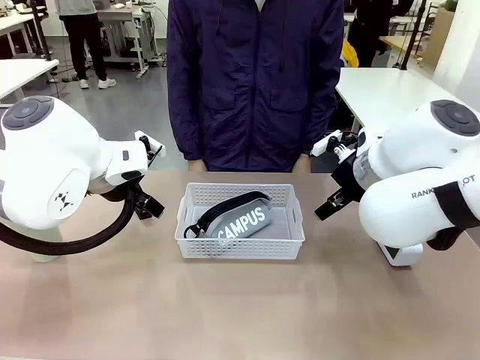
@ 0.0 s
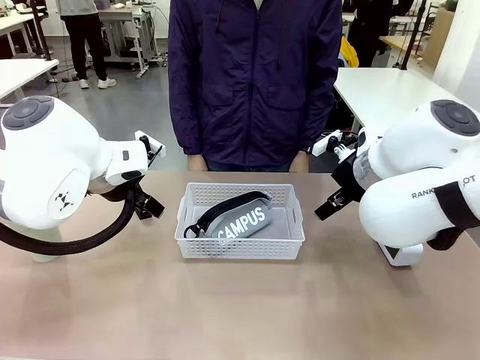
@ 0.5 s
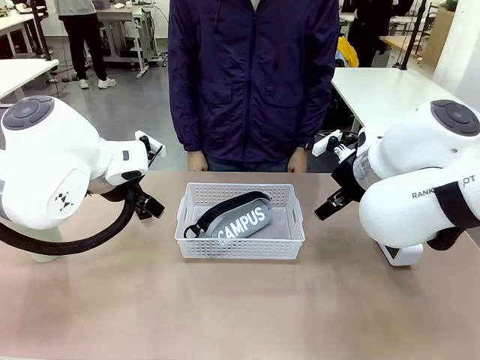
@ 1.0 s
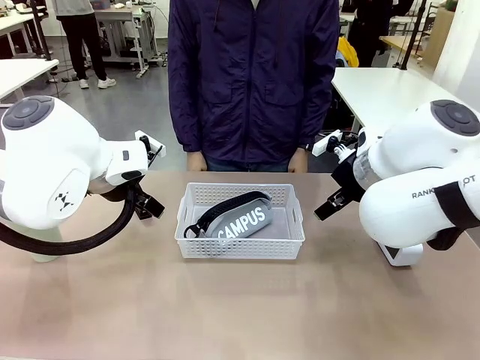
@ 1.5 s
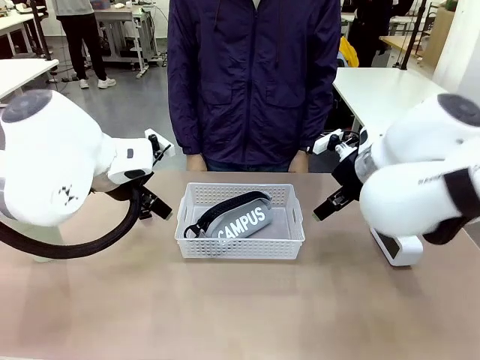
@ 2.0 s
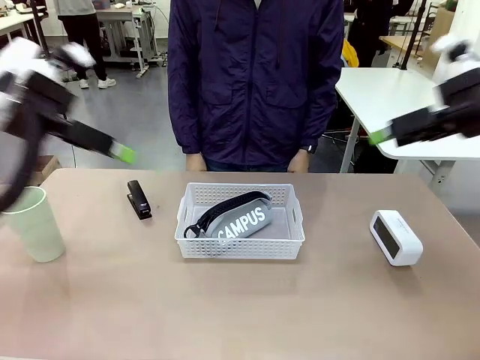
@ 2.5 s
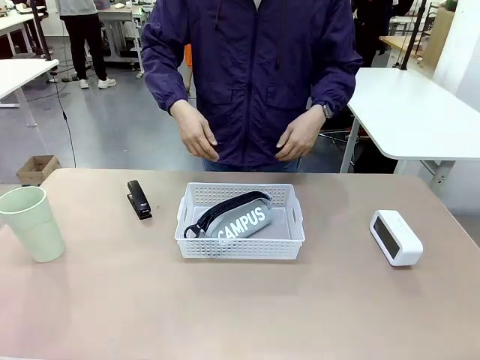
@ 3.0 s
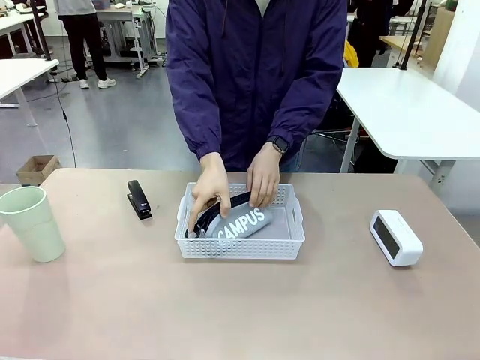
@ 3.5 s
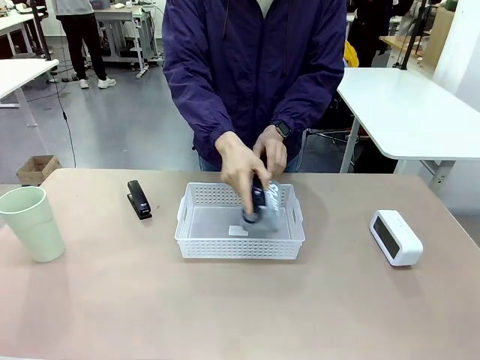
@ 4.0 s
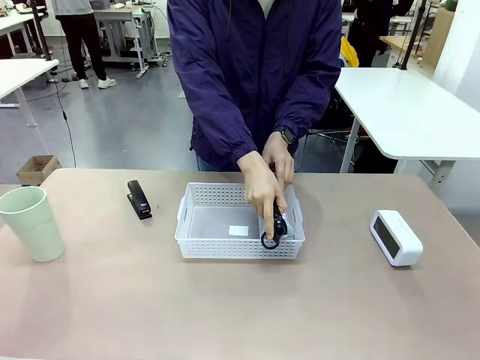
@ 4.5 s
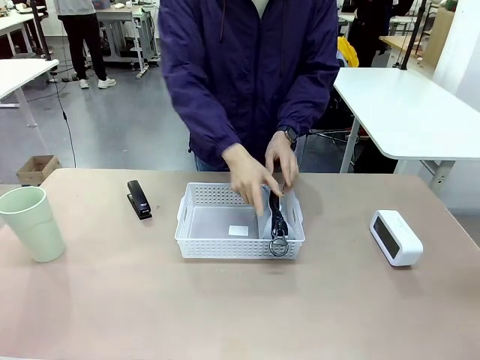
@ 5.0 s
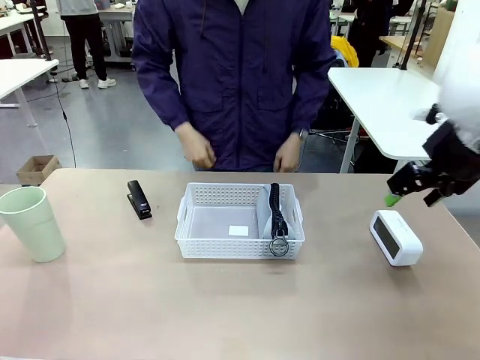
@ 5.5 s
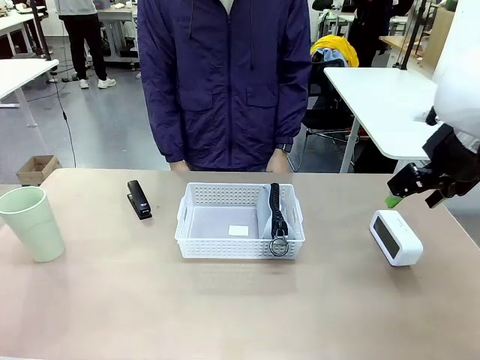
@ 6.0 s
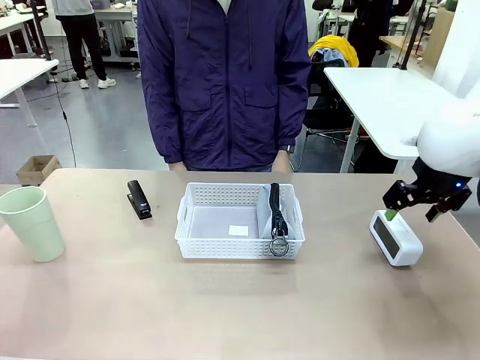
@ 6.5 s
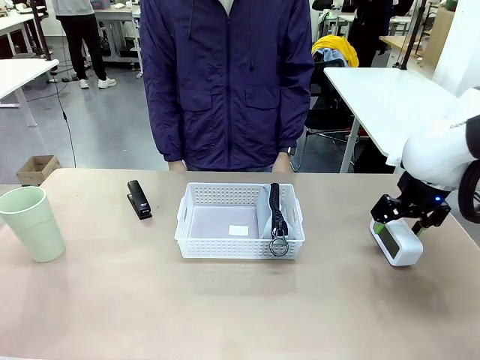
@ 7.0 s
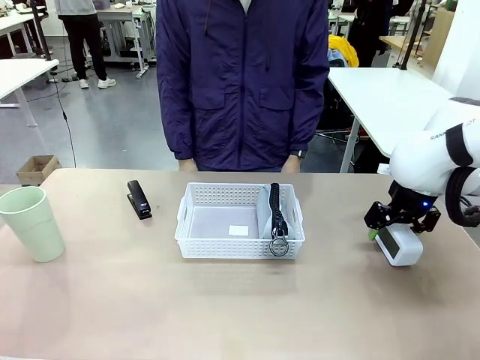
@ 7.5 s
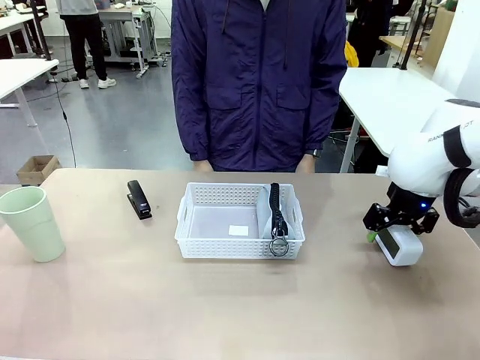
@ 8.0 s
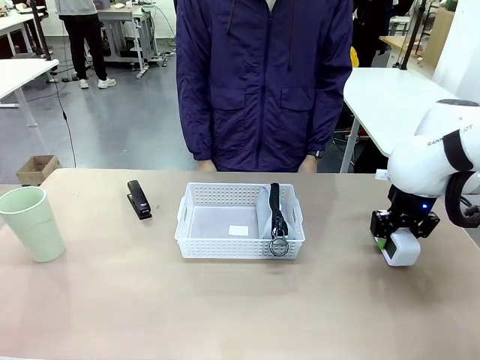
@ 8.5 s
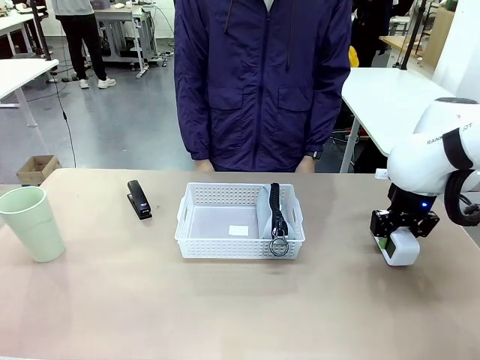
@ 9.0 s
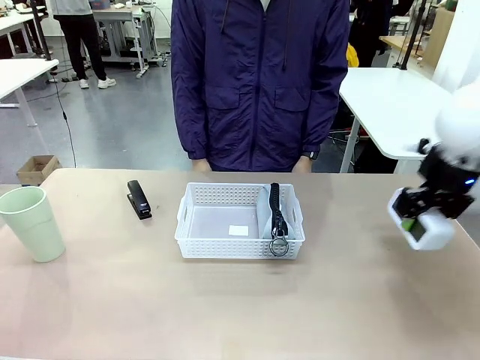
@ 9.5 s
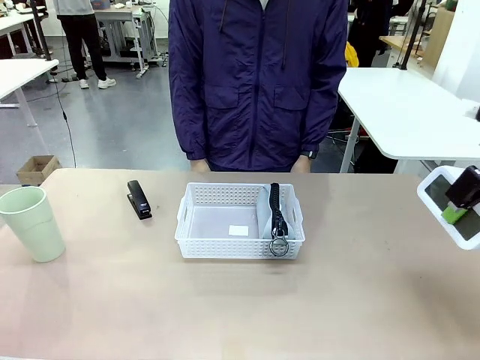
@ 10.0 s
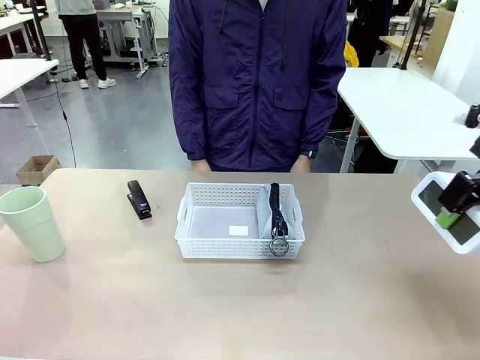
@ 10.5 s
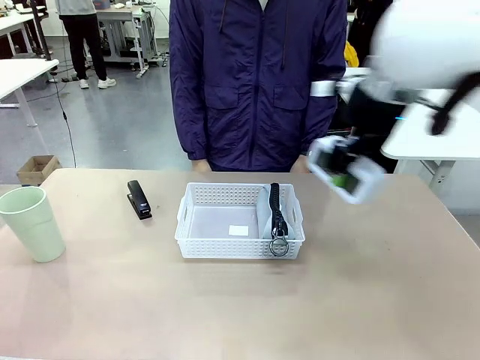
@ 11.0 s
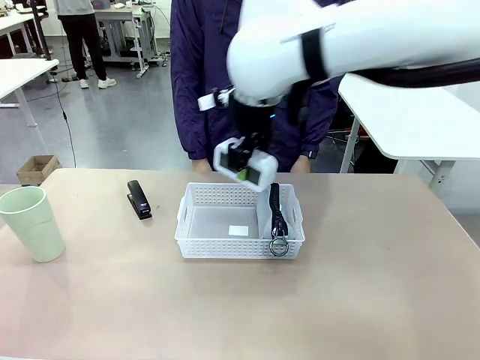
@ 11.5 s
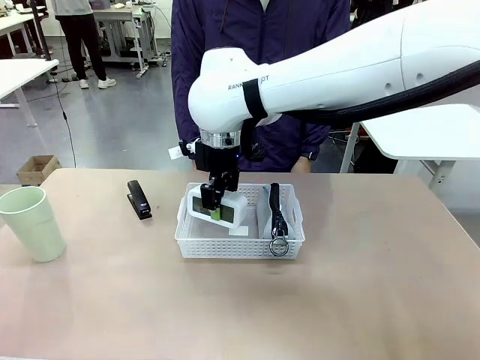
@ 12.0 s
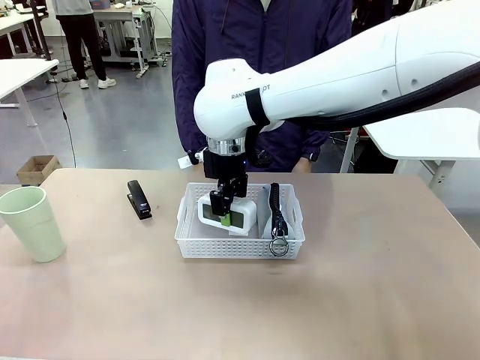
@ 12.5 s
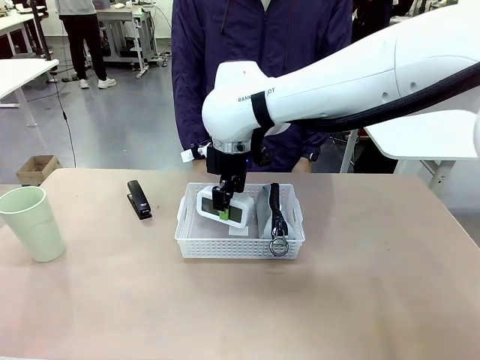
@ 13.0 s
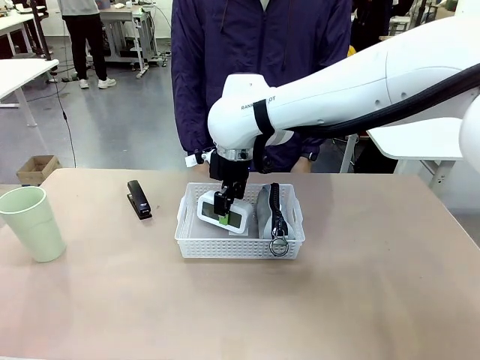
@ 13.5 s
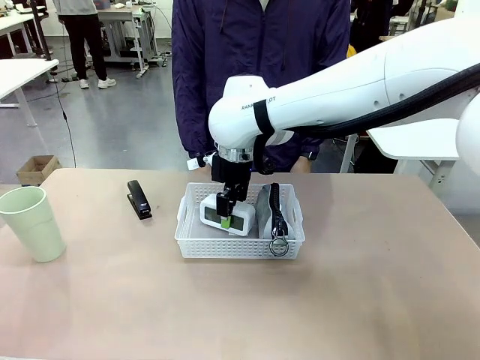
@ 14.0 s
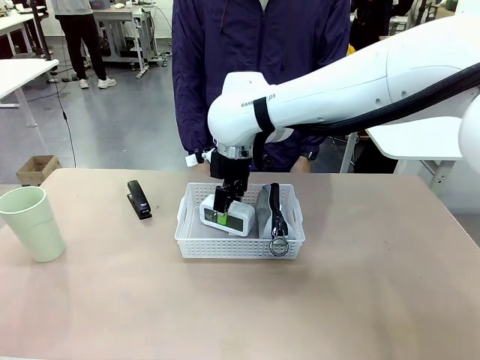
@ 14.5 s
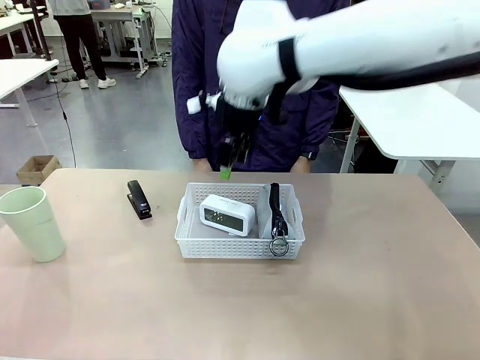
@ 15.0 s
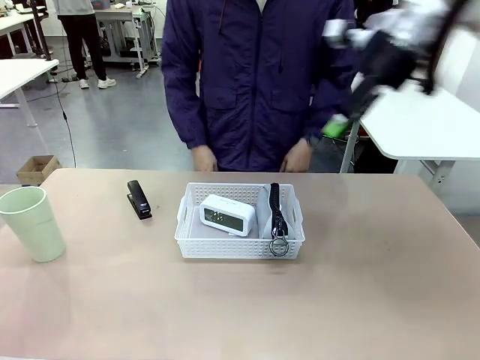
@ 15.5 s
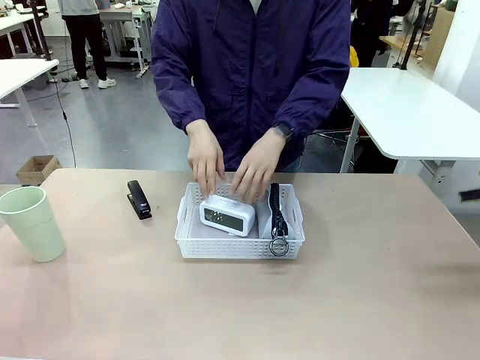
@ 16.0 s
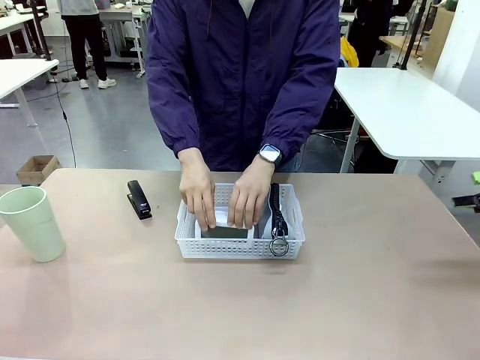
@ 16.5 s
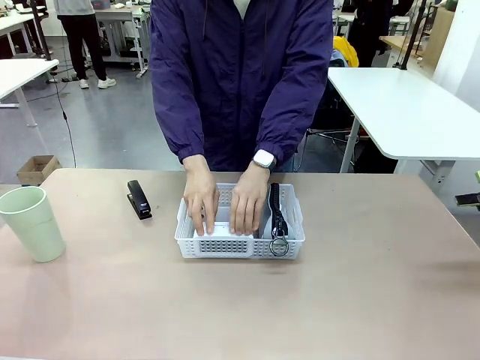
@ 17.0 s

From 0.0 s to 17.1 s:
Task: Efficiently arrange items inside the basket to fit them all.
Robot: Pick up the Digital clock and place it inside the Organizing basket.
Person: Repositions the pencil case. Repositions the digital clock.
